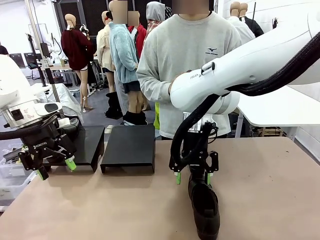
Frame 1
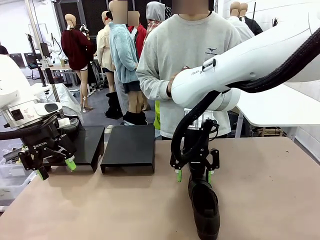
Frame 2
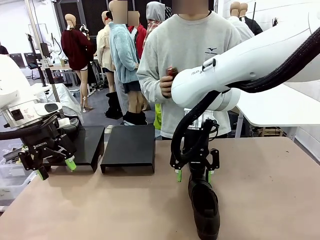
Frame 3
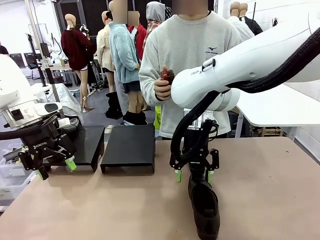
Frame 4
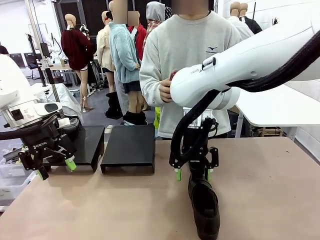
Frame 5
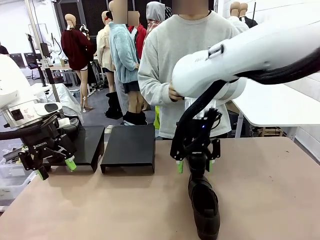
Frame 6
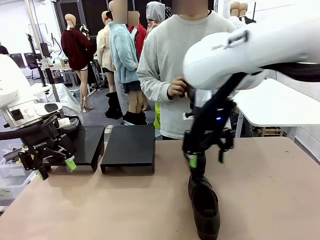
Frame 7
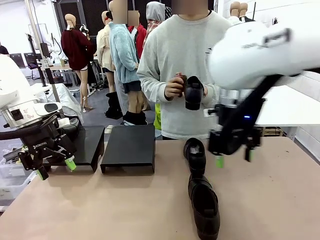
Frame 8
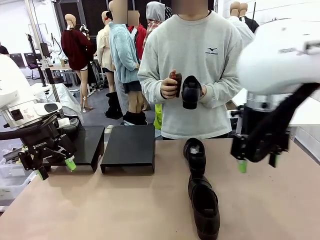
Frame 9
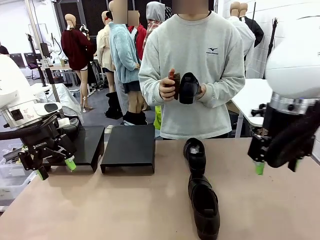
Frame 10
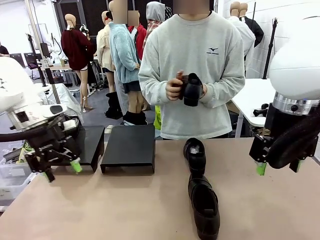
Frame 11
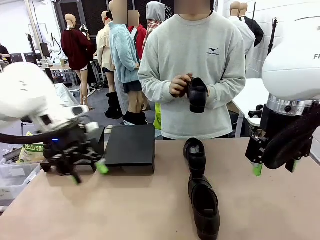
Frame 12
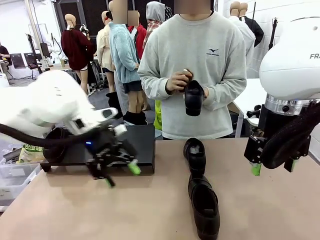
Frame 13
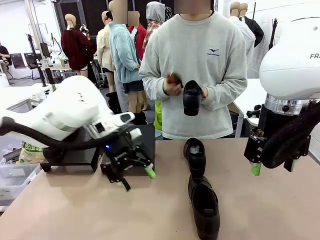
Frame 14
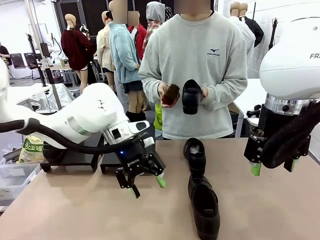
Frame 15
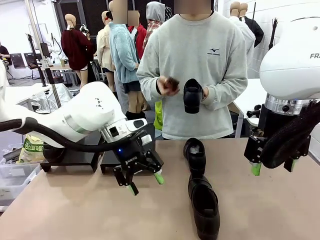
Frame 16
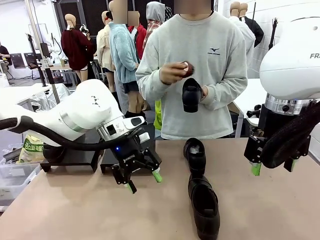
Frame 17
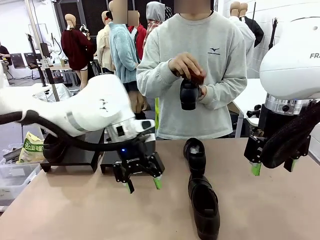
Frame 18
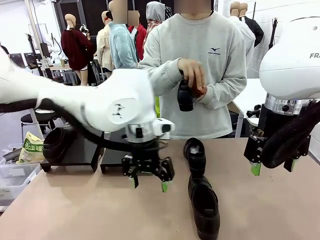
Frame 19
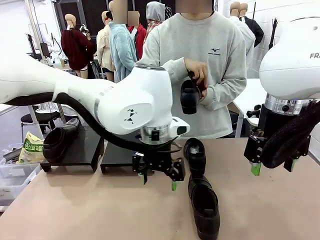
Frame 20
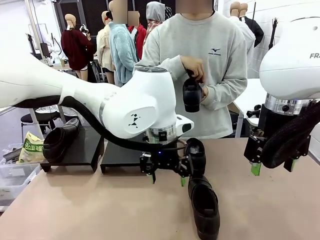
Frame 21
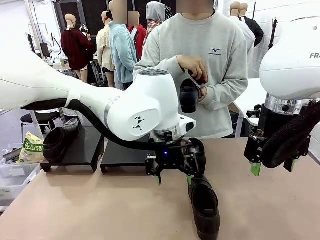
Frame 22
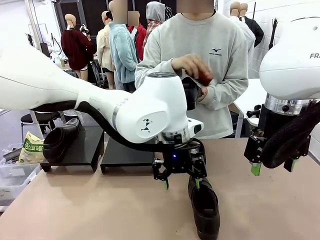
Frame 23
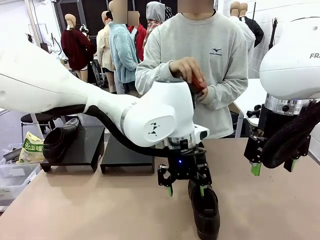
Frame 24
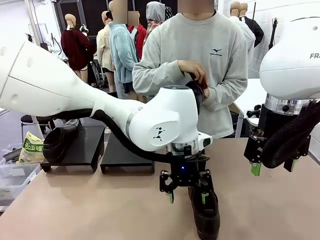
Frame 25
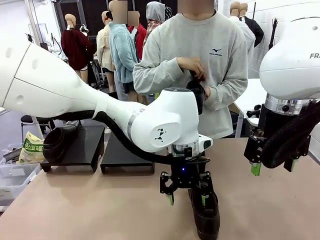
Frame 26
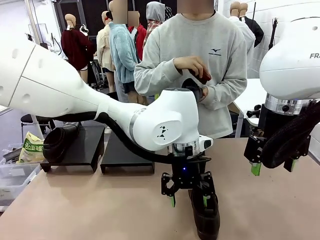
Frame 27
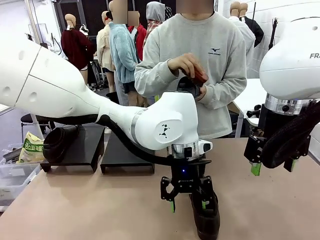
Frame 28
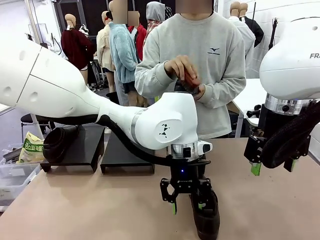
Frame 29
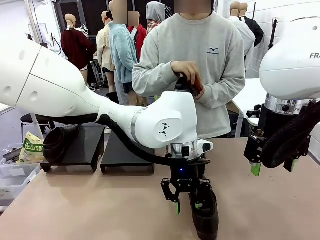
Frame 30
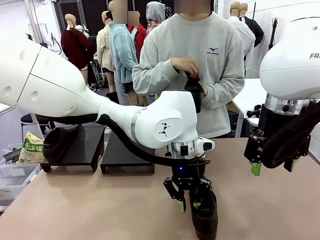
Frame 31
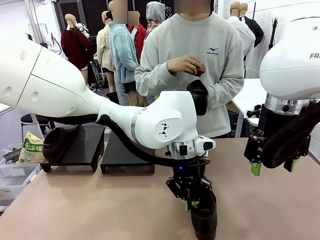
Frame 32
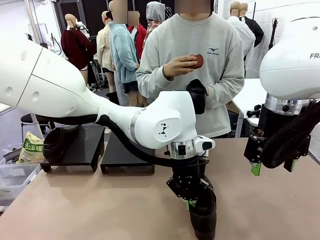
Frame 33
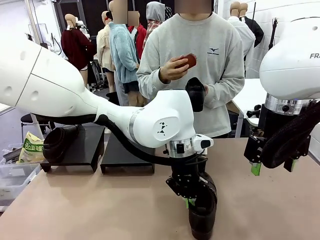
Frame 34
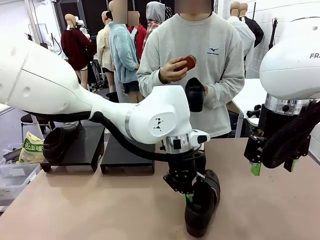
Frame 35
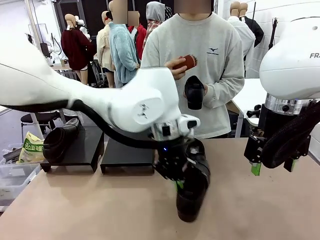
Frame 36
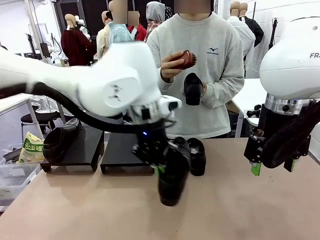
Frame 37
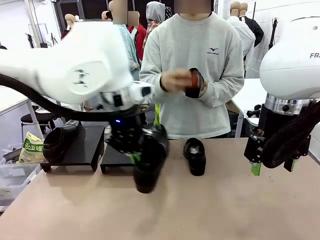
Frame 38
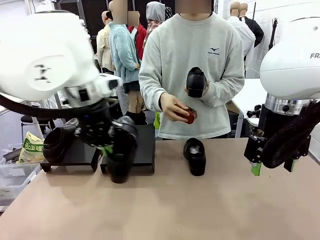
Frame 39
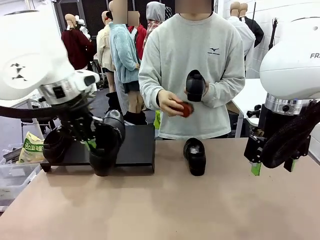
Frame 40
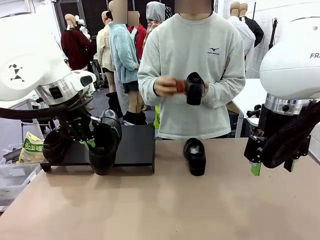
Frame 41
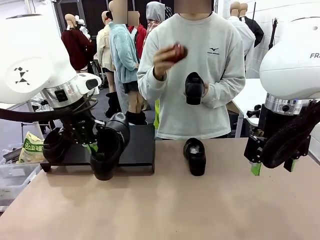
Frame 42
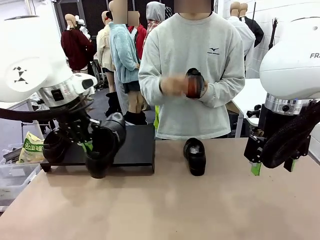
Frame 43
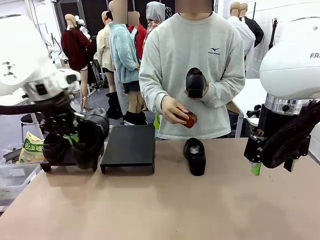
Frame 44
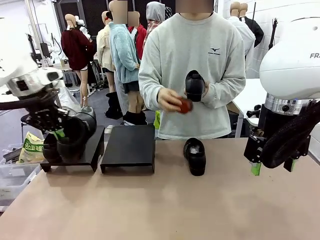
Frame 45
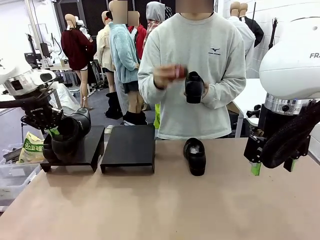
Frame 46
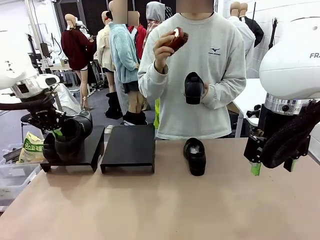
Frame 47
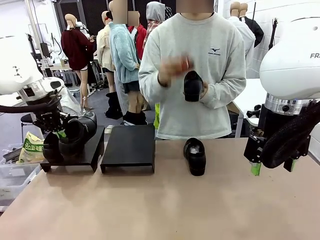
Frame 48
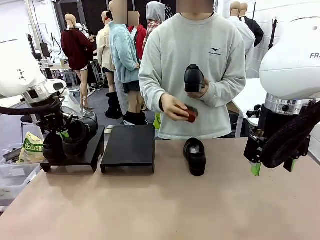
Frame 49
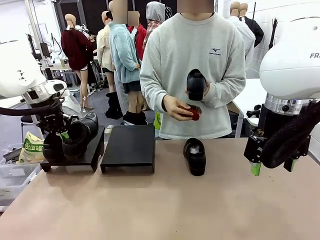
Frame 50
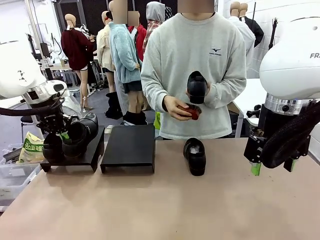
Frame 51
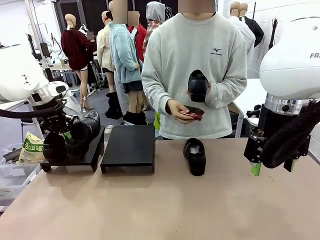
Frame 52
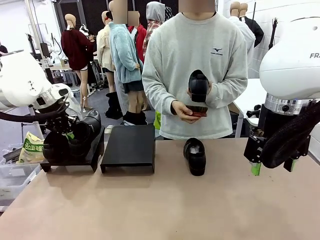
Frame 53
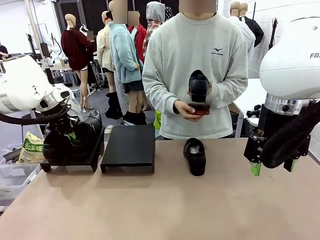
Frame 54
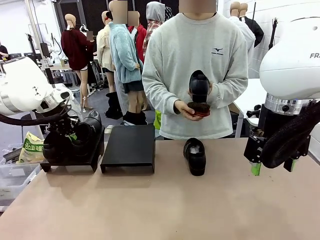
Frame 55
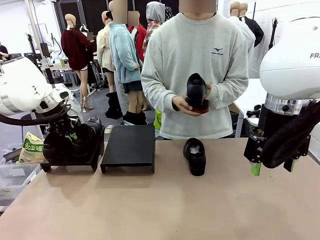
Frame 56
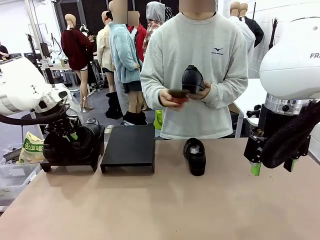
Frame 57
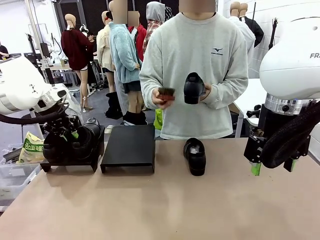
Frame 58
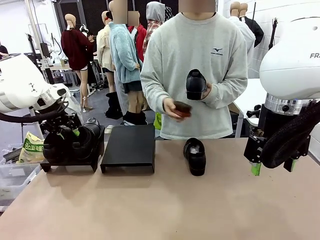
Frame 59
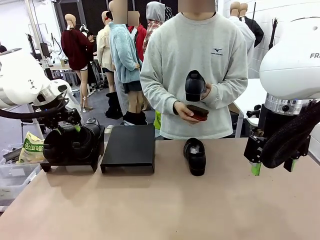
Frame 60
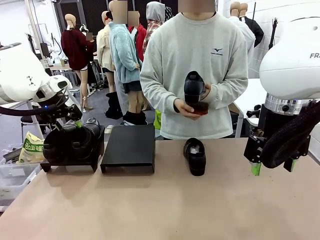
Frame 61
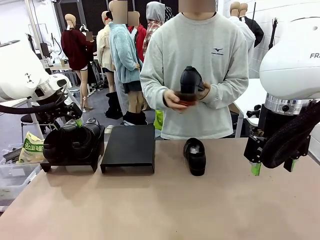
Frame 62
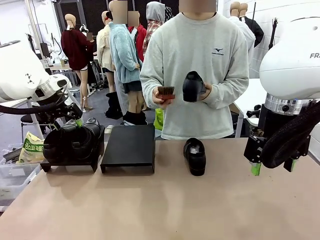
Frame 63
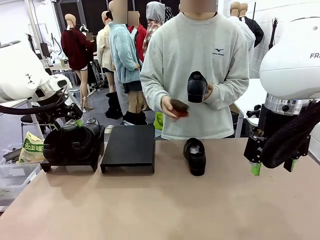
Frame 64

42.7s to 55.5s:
Task: Organize the shoes by placing them on the stand.
Robot: Place the Shoe from the middle of the table onto the Shoes Stand.
Person: Clean the Shoe with the Shoe Brush.

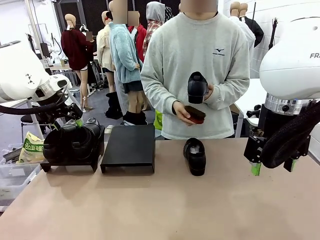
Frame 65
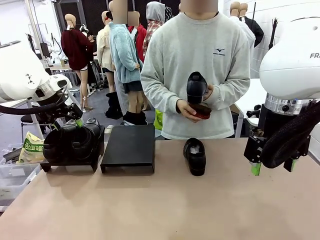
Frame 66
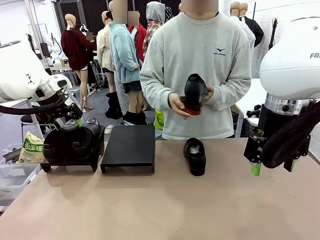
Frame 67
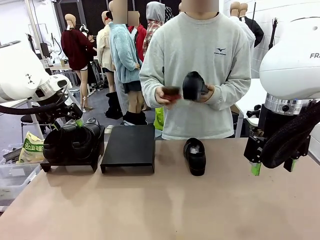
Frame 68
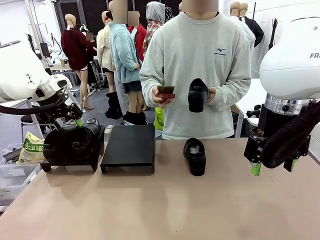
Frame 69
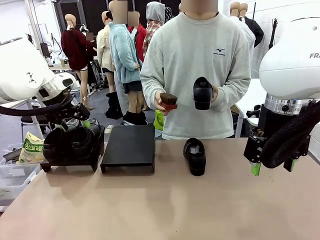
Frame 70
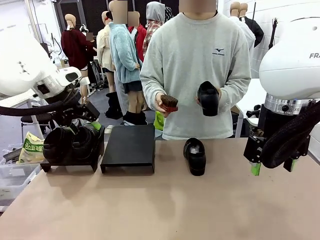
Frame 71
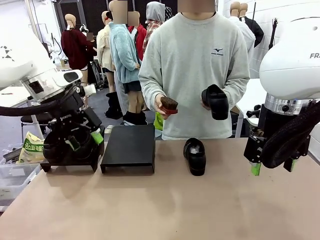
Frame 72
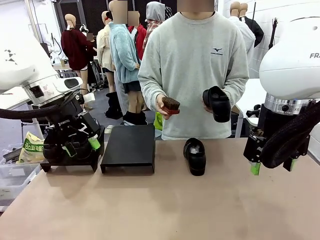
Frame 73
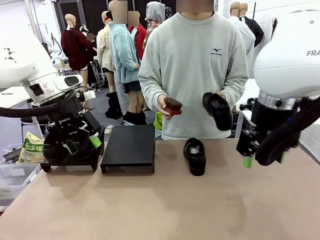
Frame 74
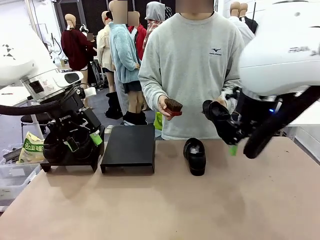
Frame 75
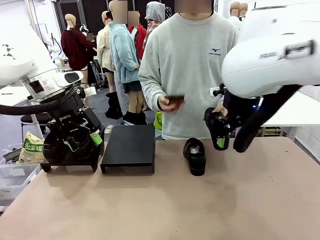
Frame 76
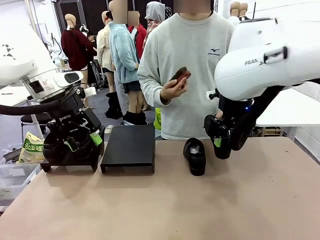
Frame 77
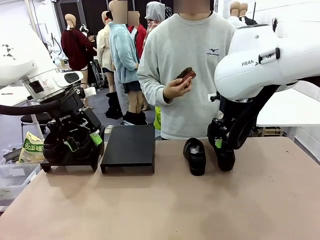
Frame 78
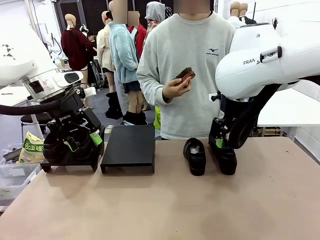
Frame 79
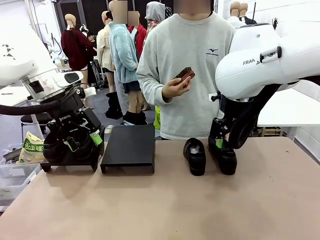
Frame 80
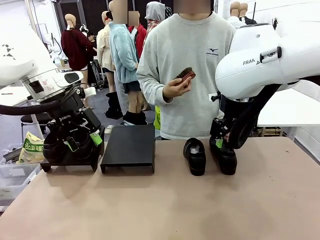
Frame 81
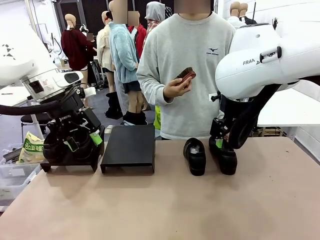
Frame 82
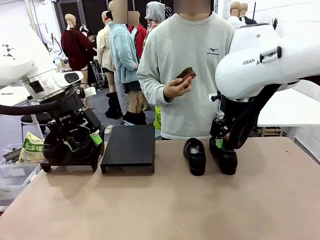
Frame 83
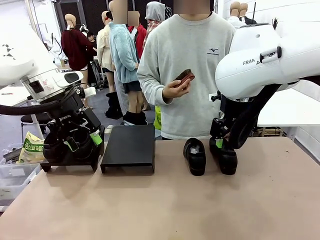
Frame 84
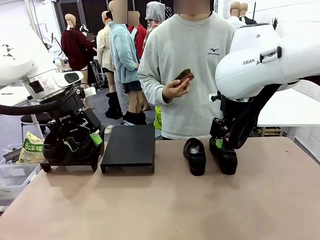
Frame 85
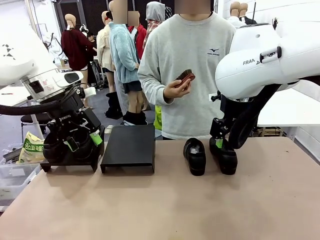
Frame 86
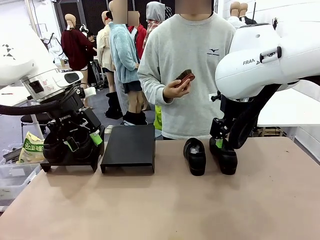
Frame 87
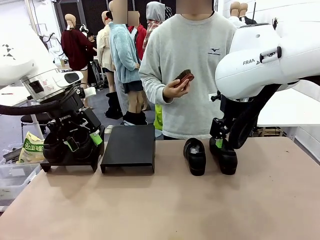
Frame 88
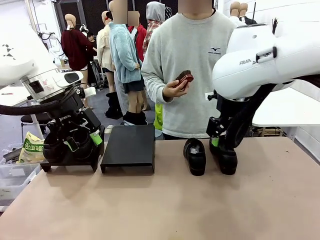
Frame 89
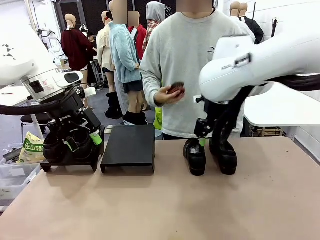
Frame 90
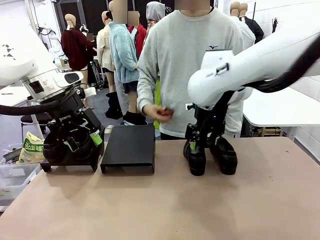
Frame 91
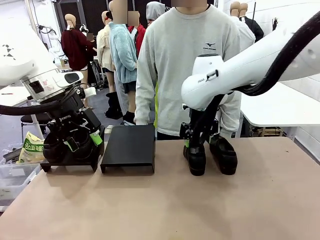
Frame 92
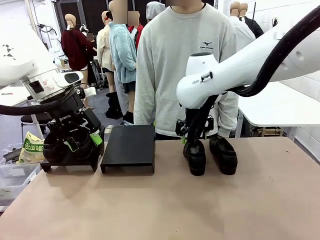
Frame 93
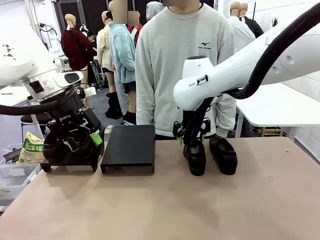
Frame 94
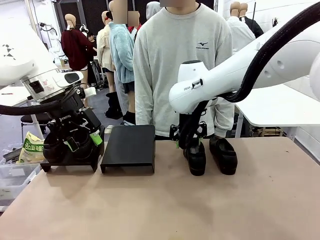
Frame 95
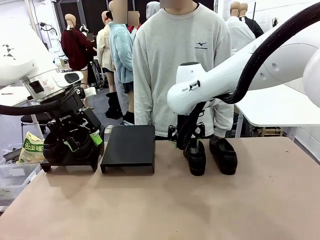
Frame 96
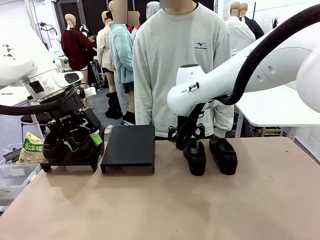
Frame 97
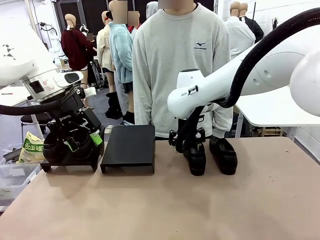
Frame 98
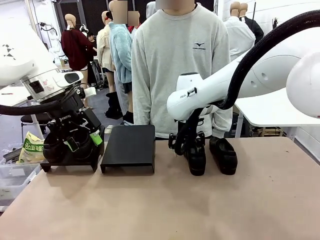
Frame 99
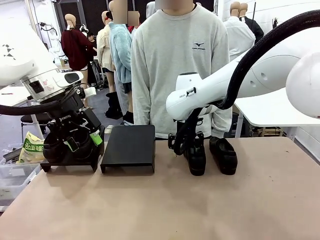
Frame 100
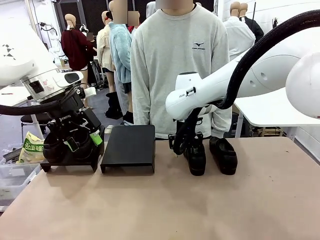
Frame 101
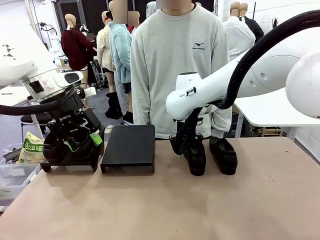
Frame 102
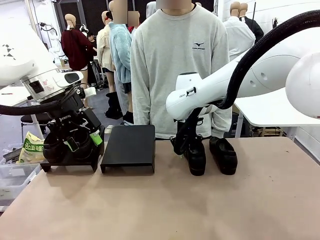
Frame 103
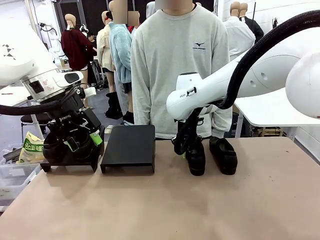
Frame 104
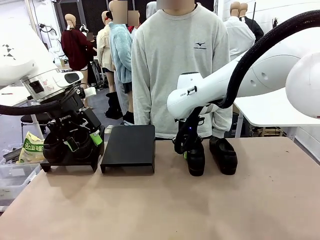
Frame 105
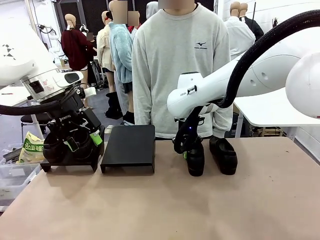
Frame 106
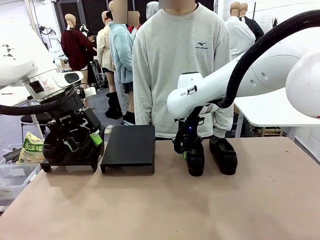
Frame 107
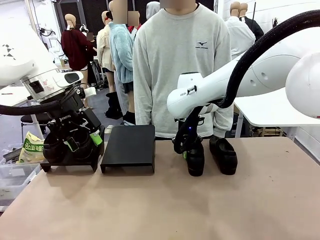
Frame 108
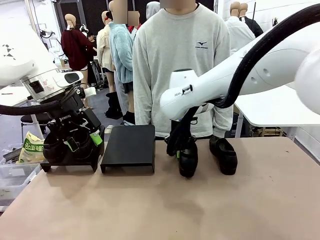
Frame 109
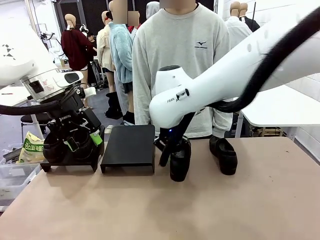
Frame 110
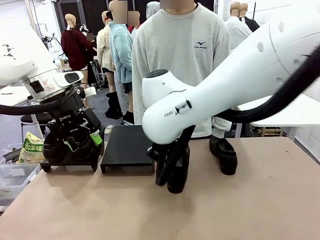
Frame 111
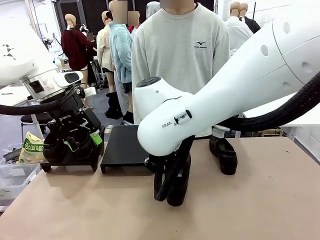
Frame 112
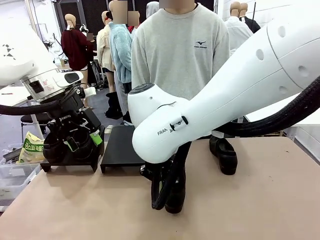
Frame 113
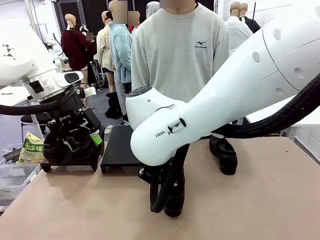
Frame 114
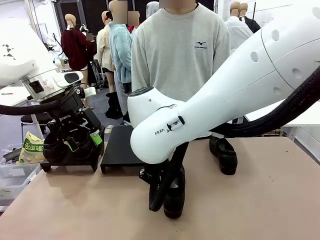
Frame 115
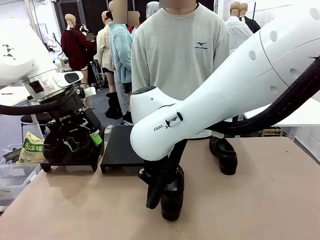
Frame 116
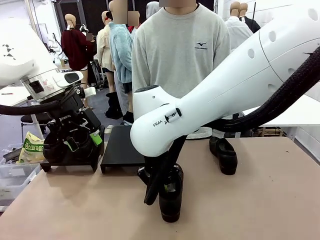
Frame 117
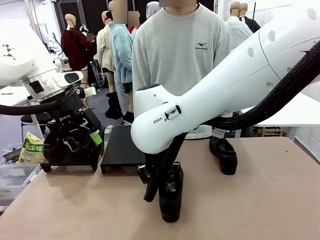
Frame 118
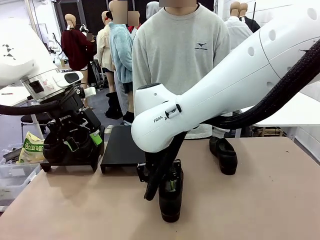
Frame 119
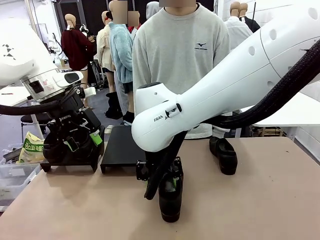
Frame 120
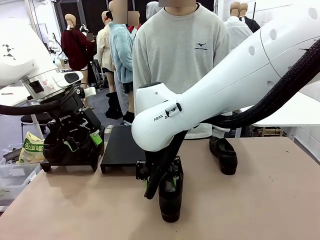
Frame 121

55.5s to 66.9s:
Robot: Pick up one Shoe and place it in the middle of the table.
